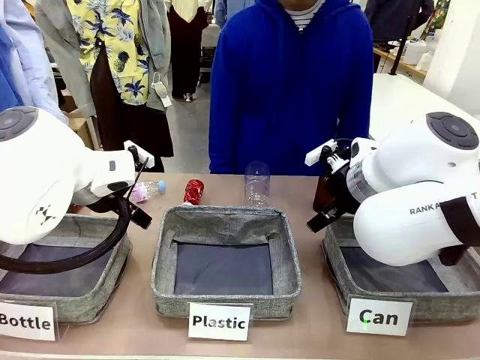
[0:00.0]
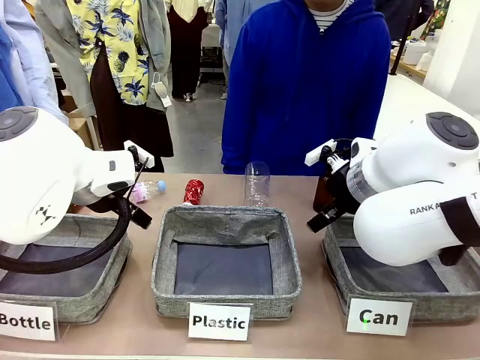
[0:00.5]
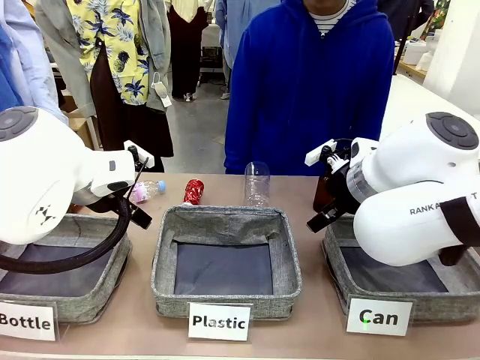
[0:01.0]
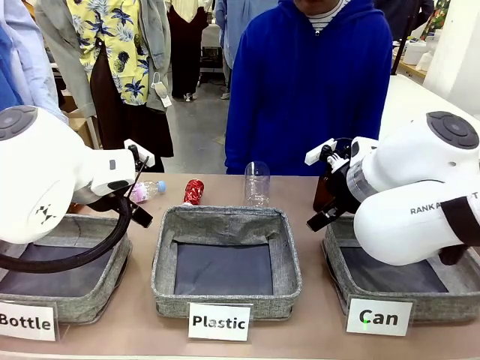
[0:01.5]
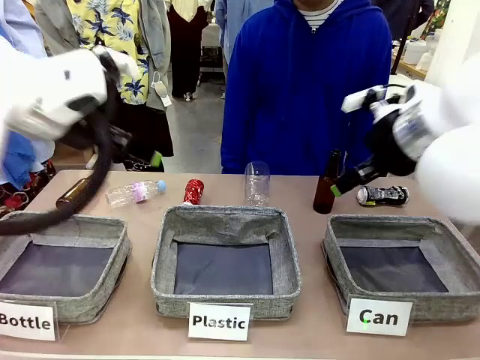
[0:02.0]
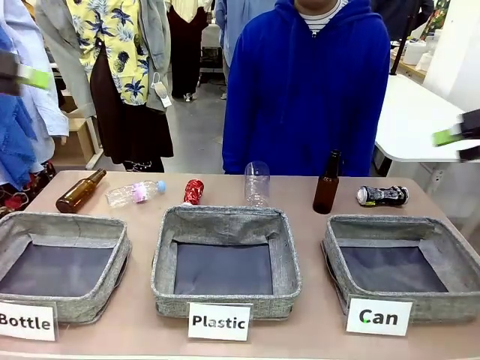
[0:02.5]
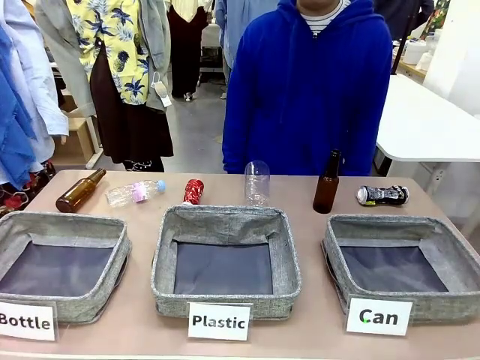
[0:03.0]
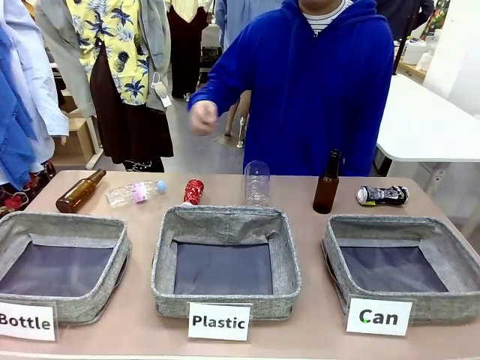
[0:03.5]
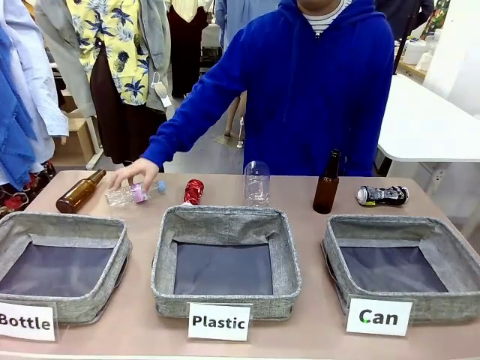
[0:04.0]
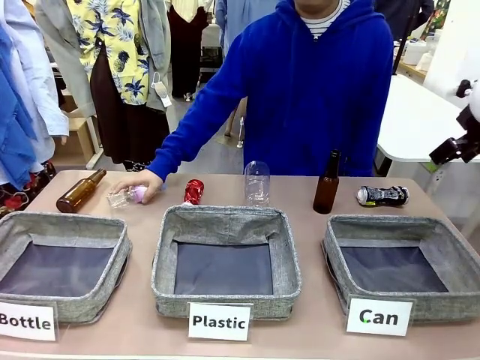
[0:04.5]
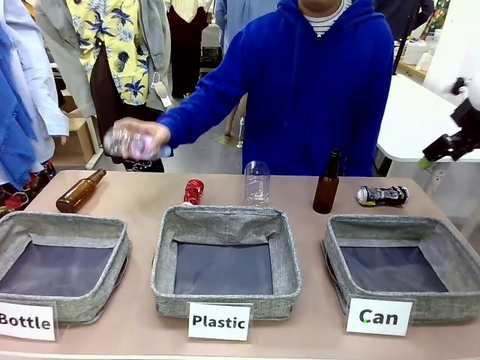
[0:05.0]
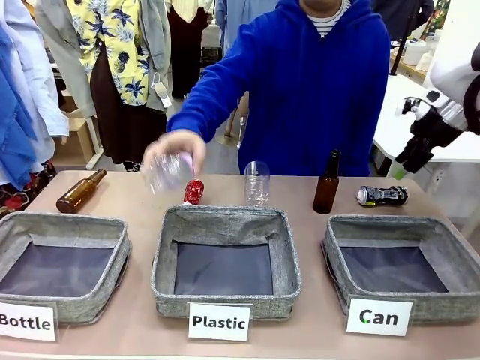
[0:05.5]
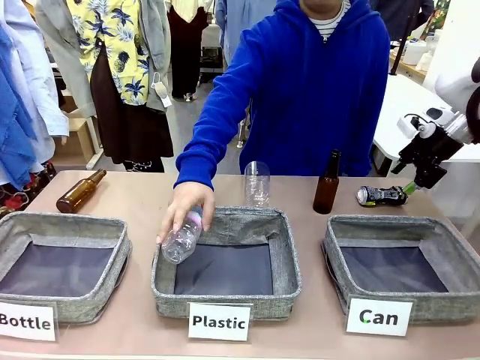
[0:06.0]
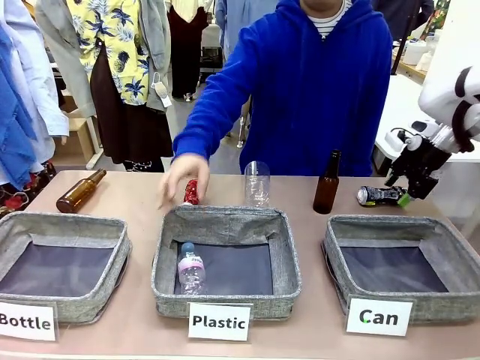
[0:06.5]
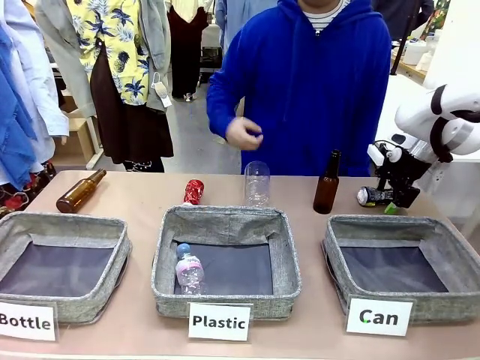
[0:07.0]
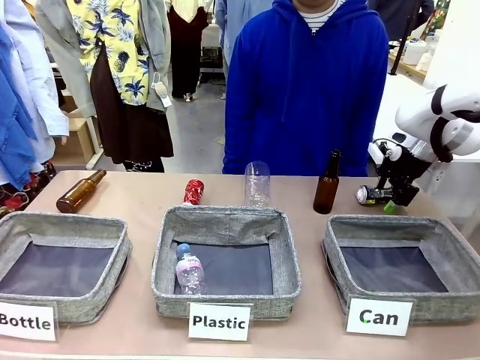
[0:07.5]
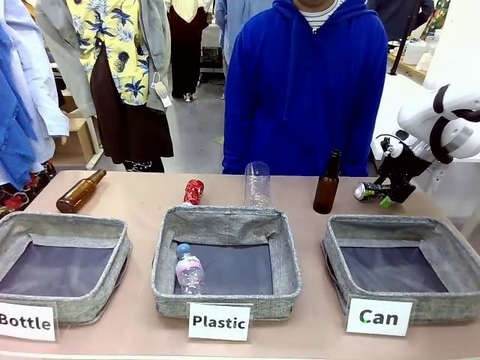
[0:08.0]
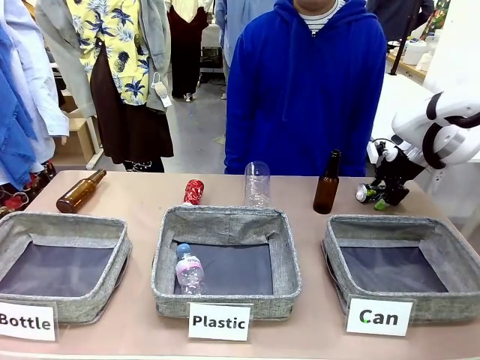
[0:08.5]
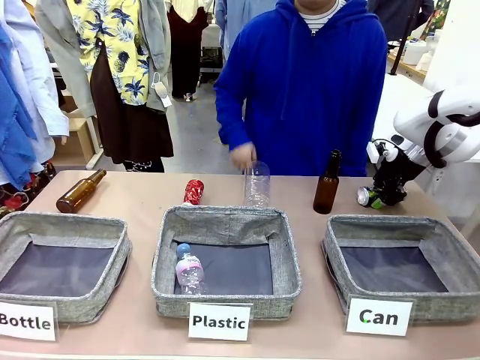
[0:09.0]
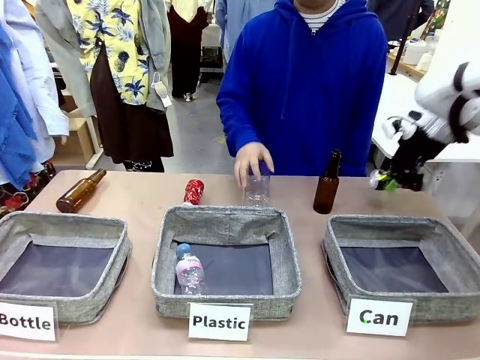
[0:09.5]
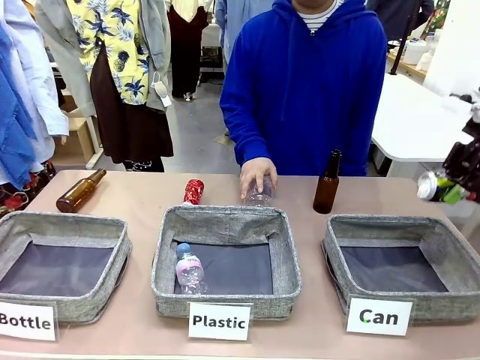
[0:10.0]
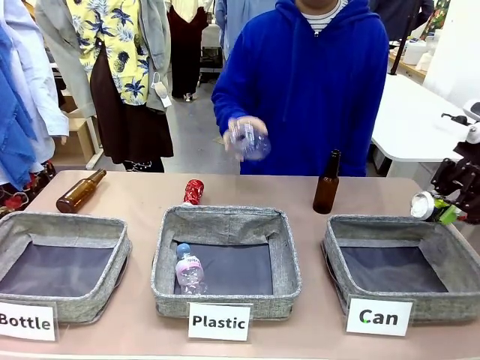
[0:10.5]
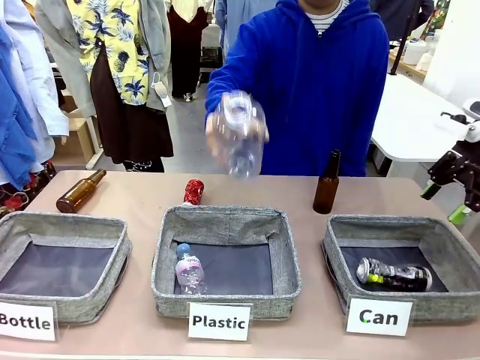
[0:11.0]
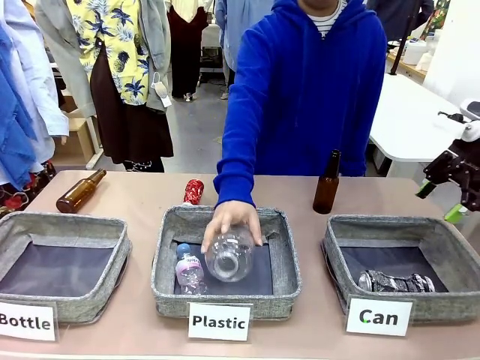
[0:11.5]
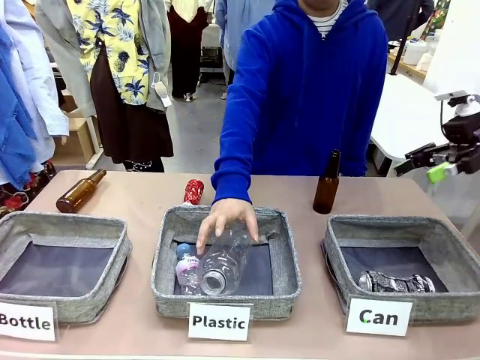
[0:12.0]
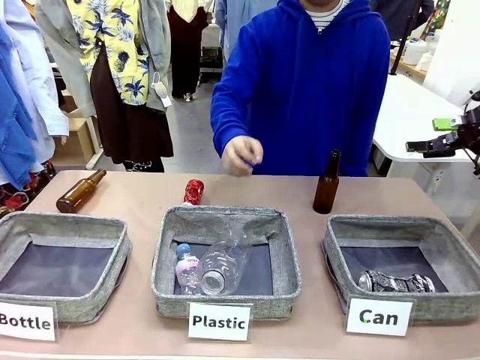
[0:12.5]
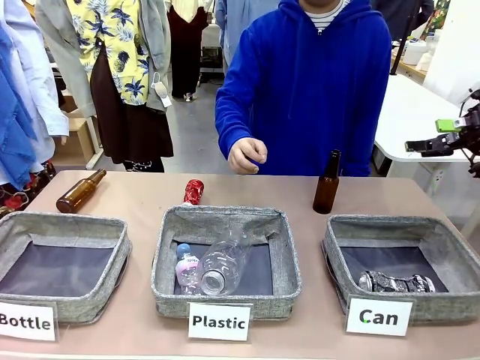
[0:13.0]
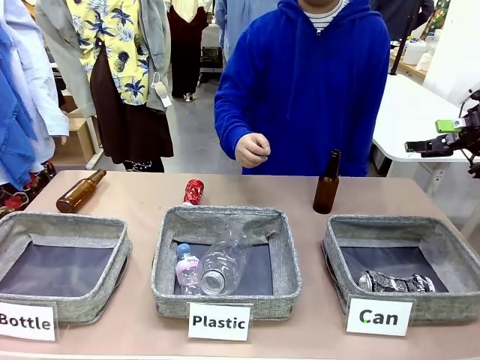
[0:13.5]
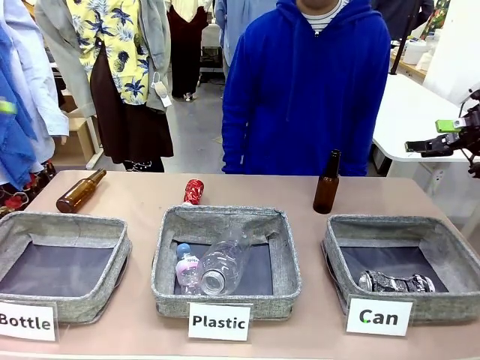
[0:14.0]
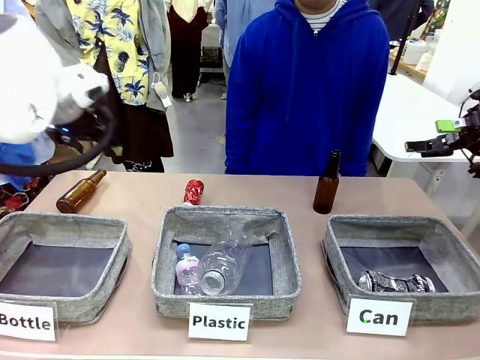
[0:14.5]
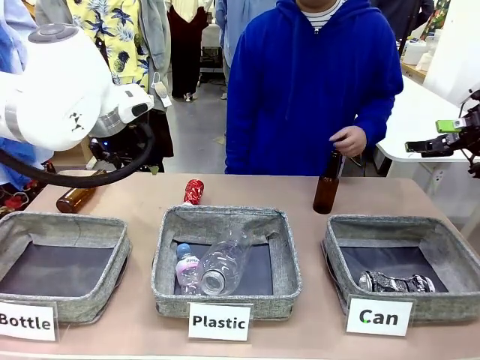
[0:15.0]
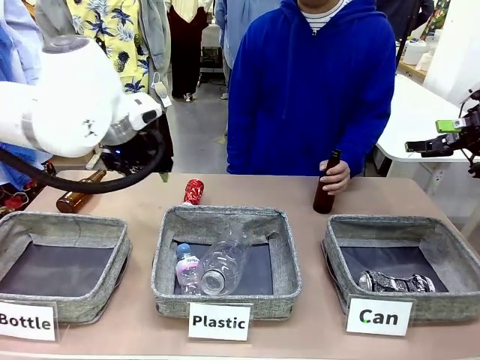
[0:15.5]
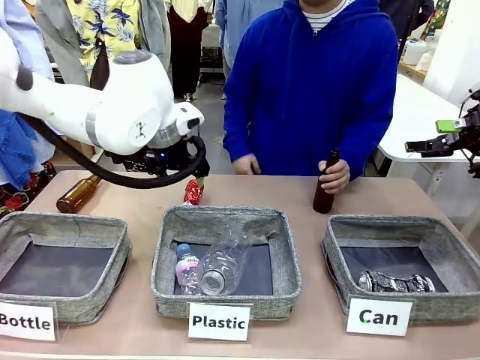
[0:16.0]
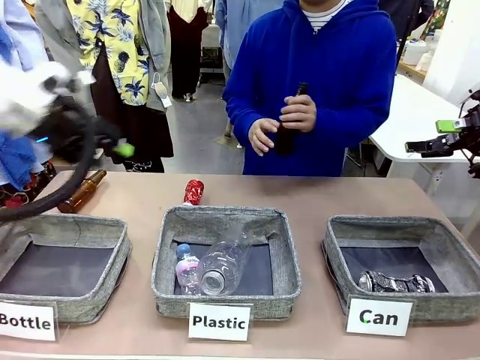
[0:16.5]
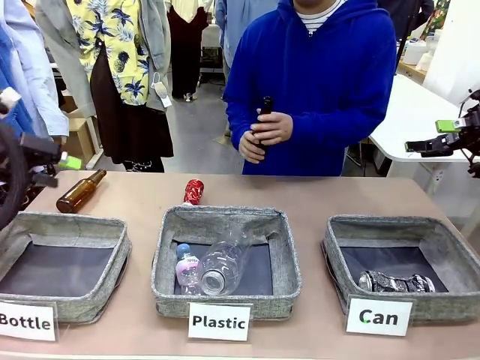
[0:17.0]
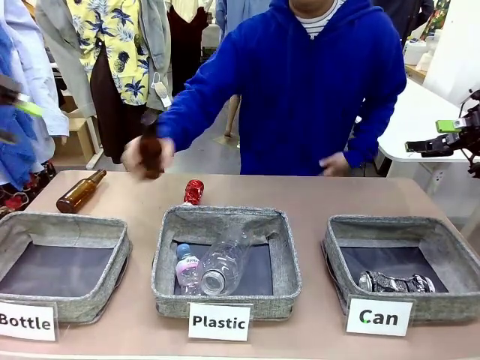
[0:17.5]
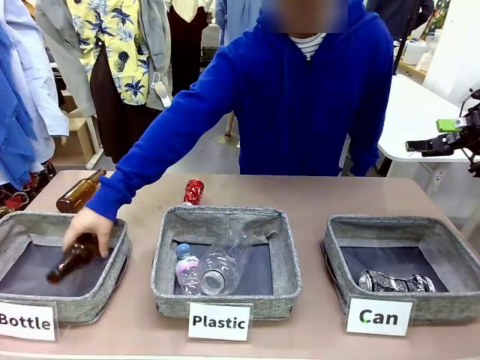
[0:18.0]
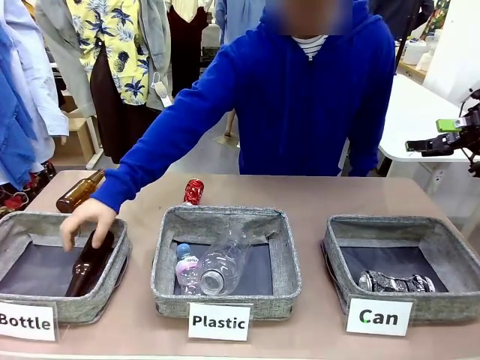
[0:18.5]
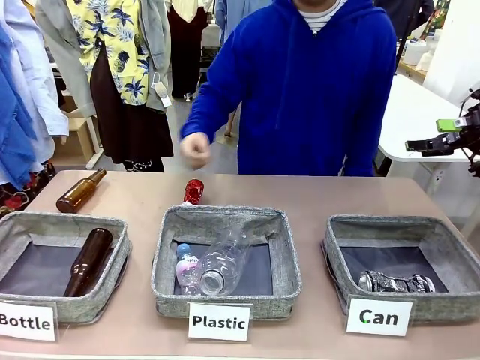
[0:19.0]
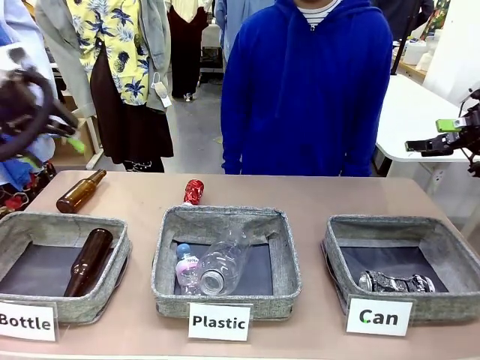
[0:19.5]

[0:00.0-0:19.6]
Task: Sort the can waste into the basket.
Robot: Pick up the can waste from the table and place it in the right Fabric basket.
